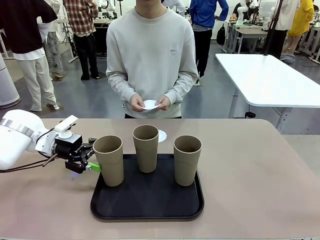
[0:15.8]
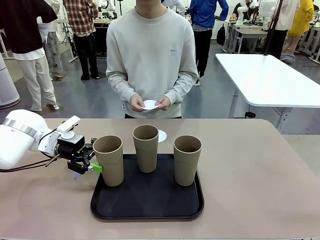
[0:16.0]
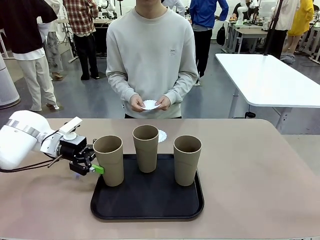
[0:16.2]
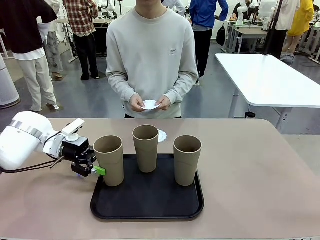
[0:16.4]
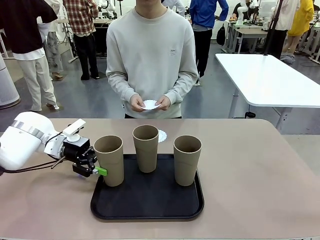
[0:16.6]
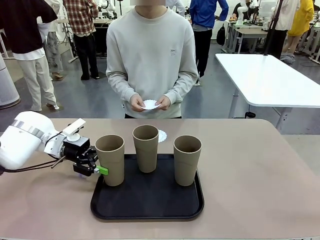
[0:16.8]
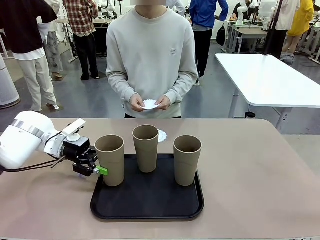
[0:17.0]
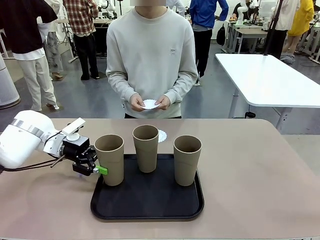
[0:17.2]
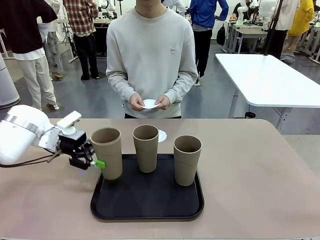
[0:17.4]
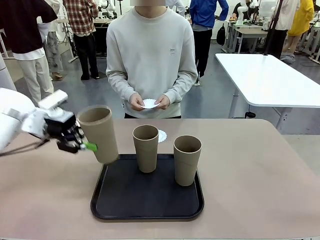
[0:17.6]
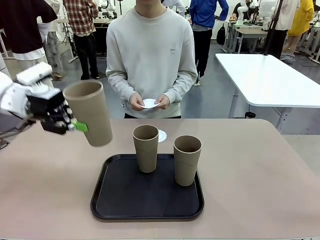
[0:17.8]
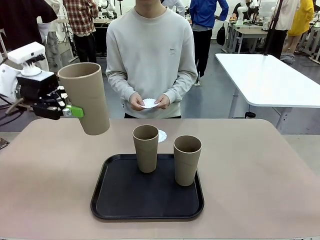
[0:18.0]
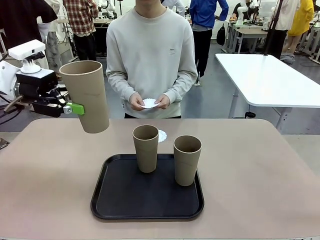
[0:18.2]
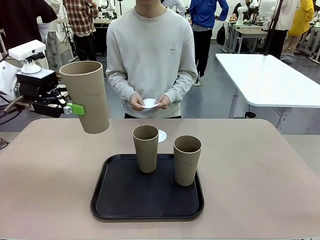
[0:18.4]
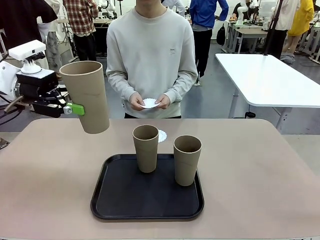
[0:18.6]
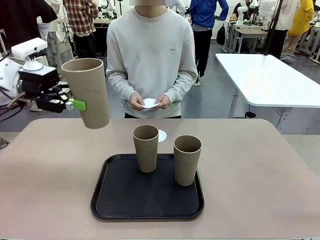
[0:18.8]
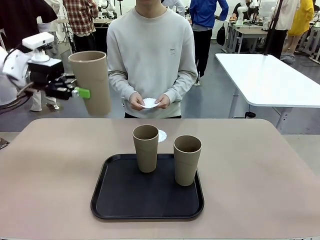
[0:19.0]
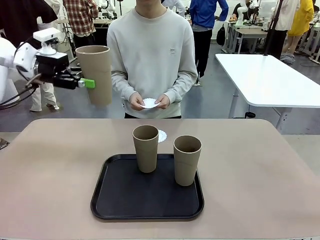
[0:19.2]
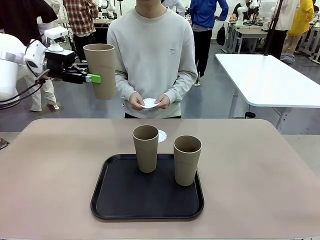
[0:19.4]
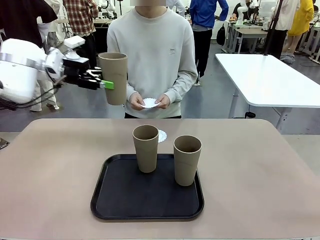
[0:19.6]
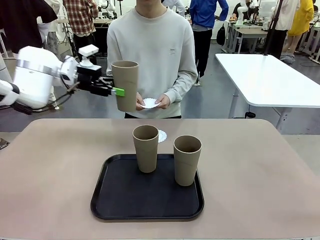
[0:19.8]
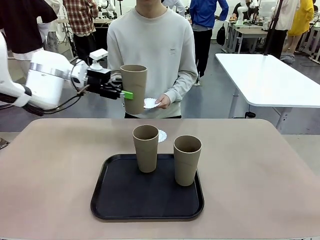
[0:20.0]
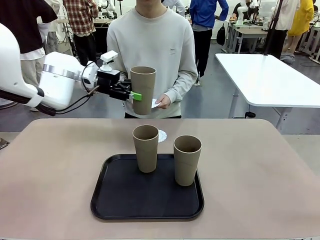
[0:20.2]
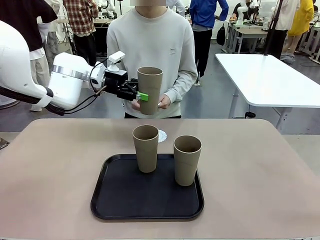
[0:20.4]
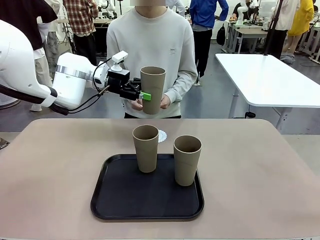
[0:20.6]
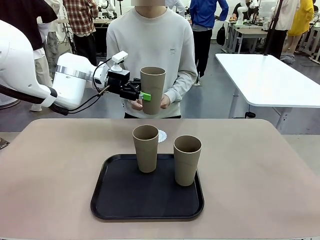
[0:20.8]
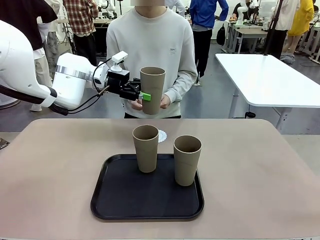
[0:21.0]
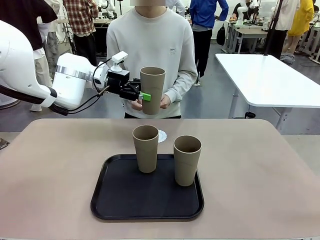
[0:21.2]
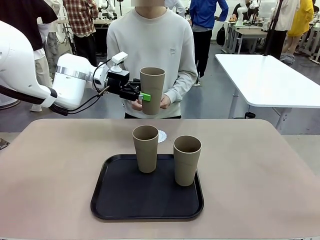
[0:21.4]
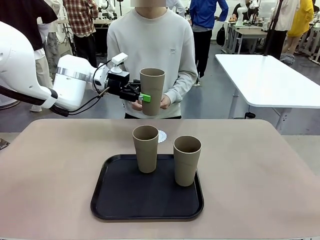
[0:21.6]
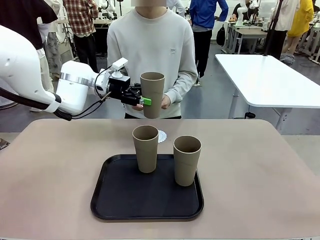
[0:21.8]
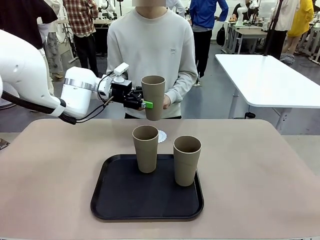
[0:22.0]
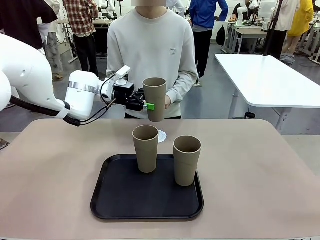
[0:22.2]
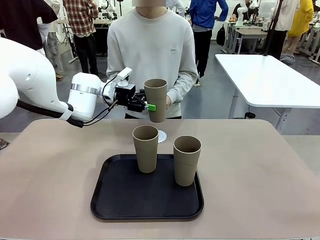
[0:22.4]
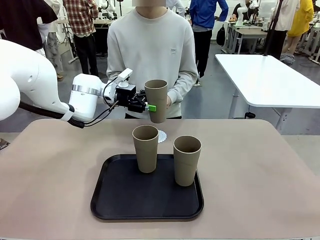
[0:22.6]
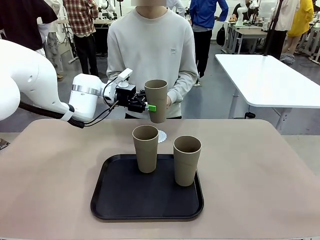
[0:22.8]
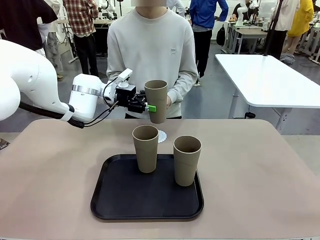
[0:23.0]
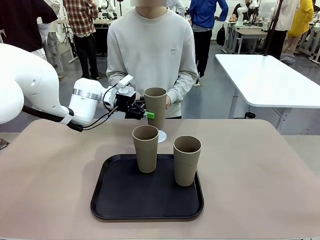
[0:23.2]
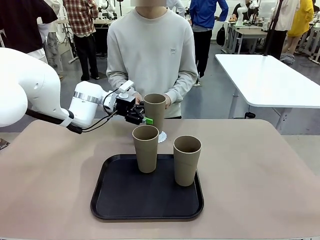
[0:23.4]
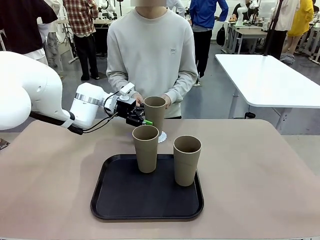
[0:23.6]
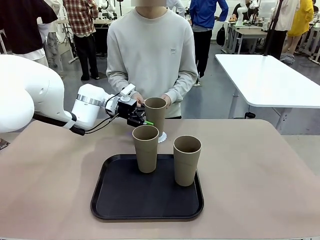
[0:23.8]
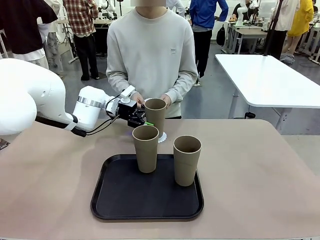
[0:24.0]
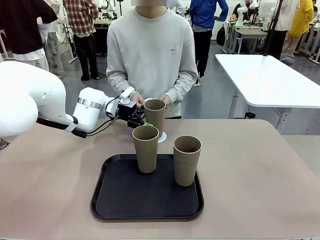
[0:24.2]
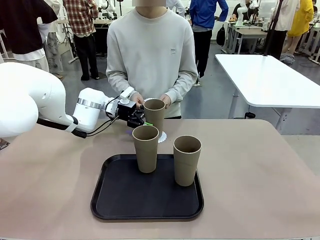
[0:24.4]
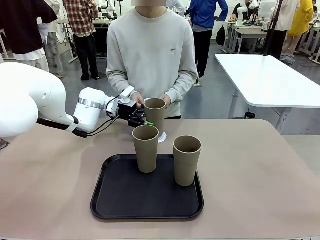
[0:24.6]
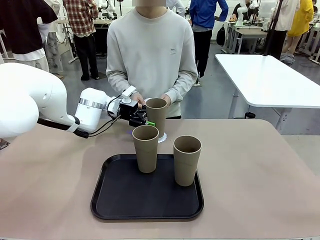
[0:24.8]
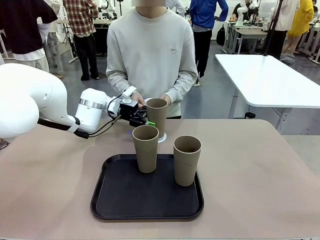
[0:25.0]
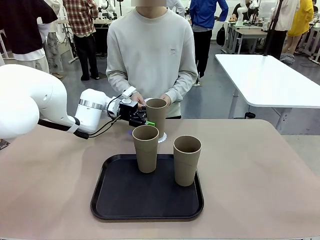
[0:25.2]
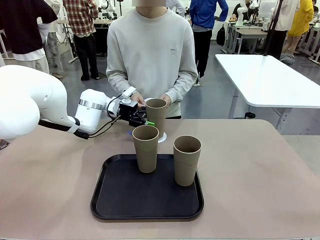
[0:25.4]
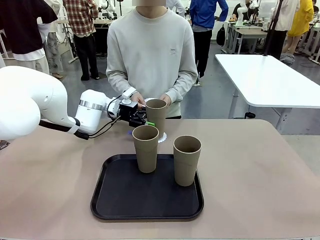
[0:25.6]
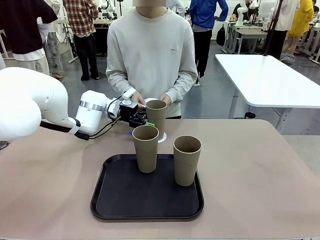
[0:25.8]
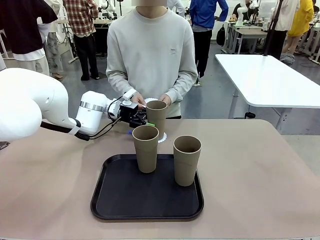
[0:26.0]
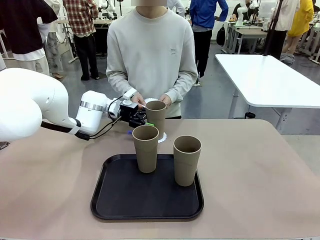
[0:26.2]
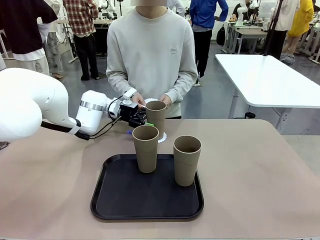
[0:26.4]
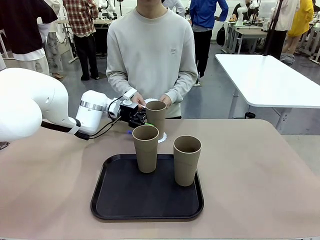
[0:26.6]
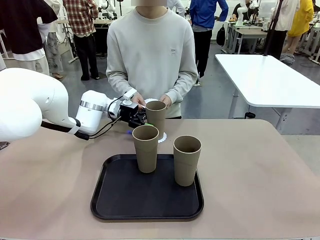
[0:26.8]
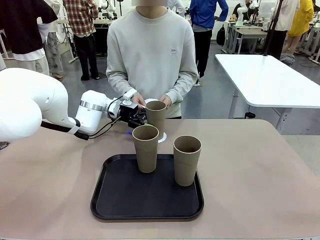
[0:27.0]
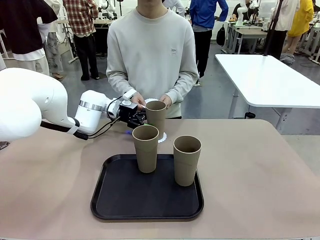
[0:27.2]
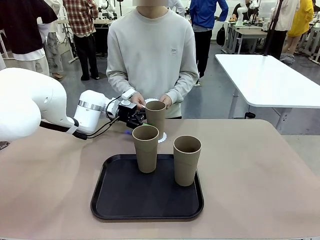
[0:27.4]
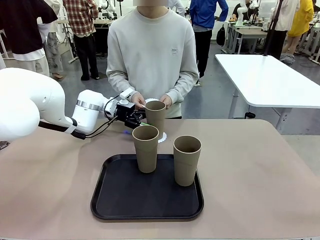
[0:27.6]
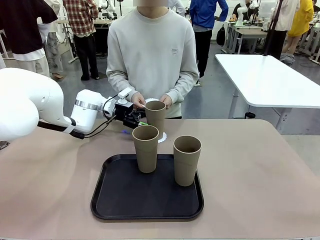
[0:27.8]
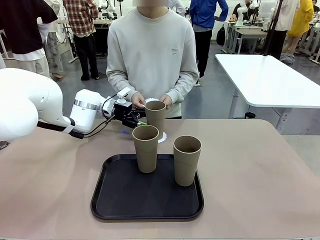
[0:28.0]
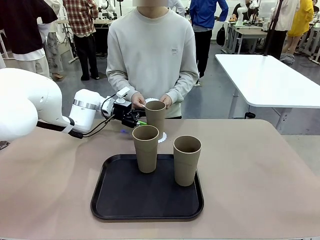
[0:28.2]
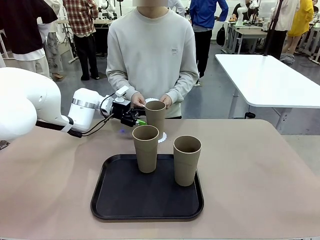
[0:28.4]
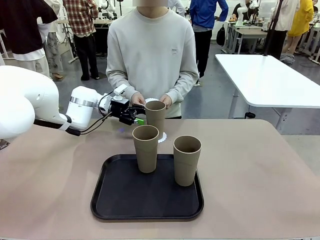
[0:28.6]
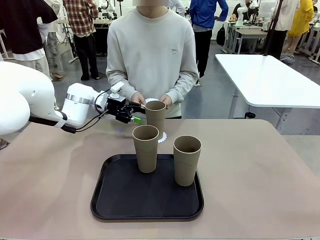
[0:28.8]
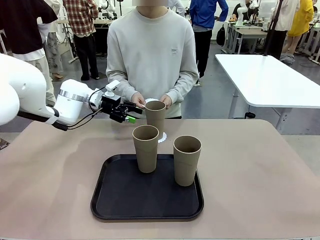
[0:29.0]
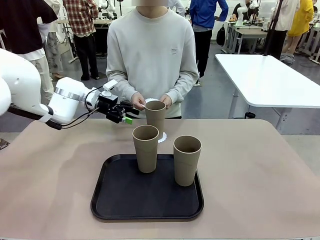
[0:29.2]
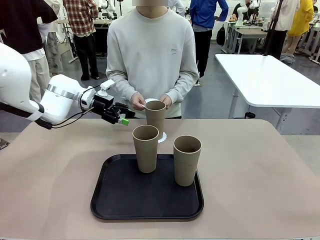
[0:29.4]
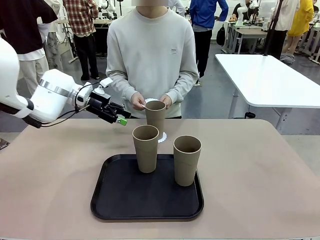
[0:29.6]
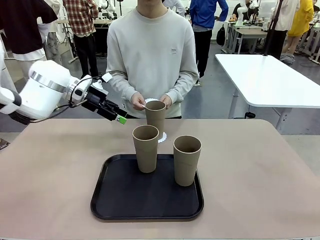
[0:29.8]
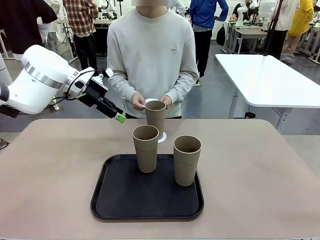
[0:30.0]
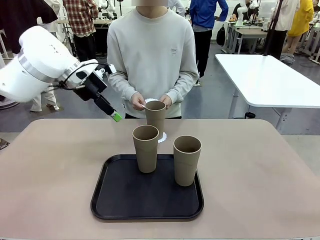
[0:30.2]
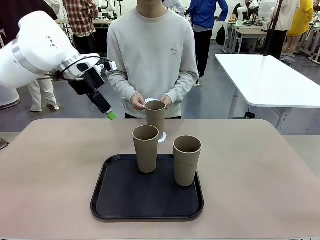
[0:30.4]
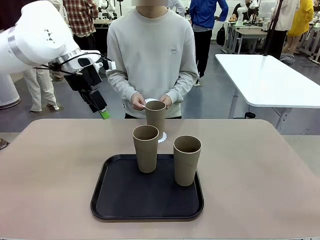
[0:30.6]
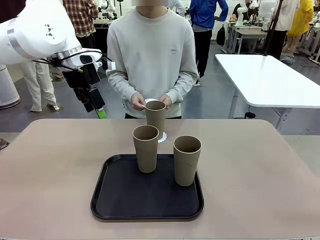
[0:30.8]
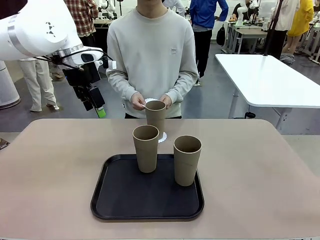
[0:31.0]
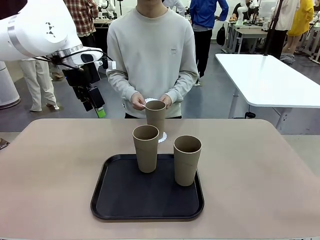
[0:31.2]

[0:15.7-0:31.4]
Task: Place coasters on the table and set cups on them.
Robot: Pick up one Reusable plastic cup and place it on a coaster set by the human.
